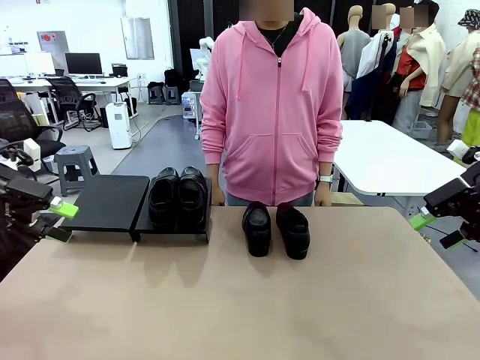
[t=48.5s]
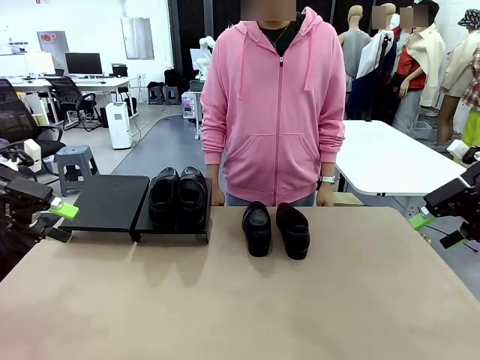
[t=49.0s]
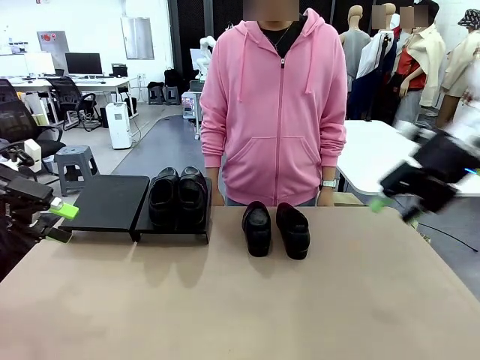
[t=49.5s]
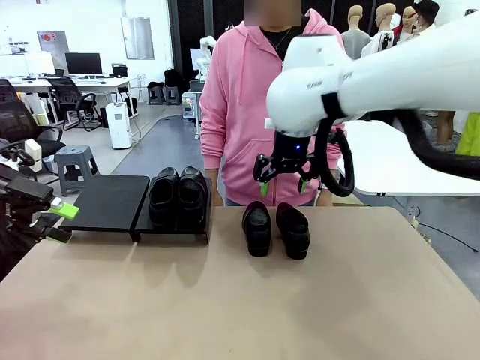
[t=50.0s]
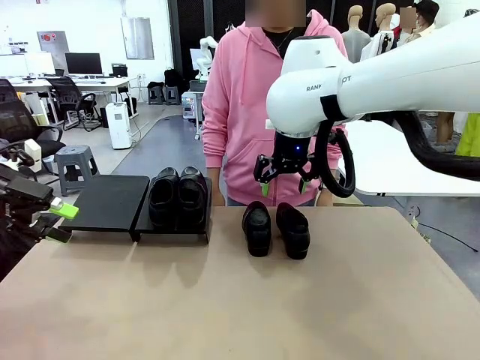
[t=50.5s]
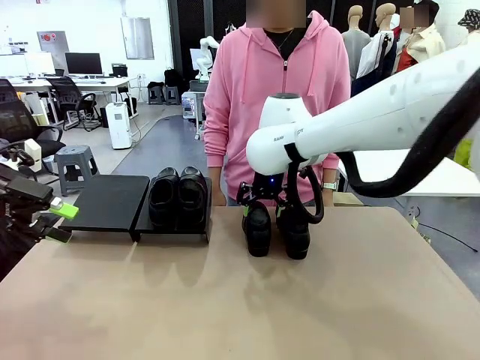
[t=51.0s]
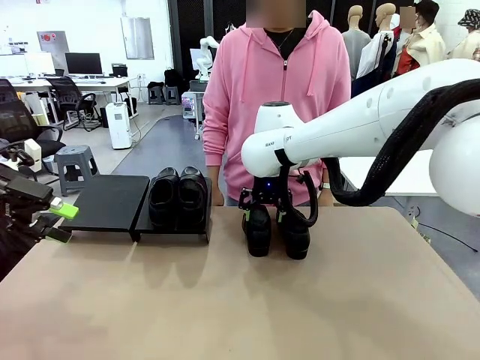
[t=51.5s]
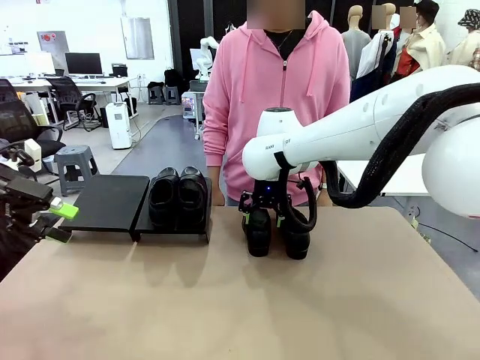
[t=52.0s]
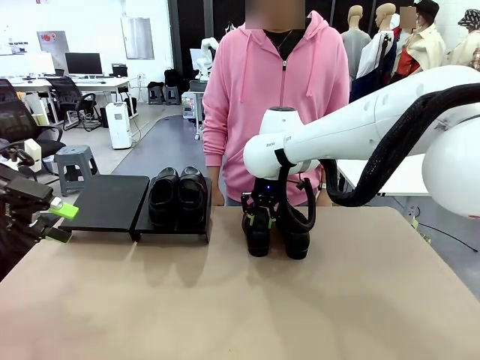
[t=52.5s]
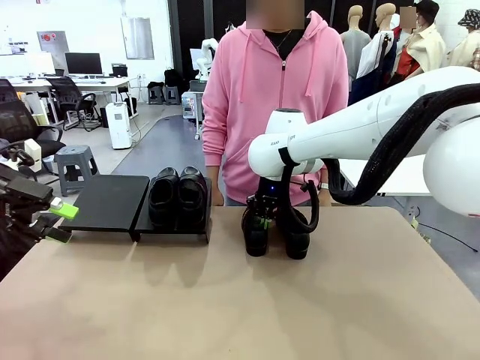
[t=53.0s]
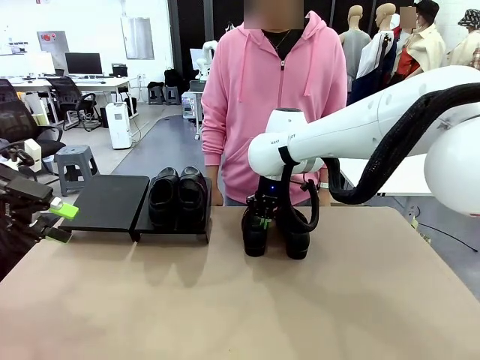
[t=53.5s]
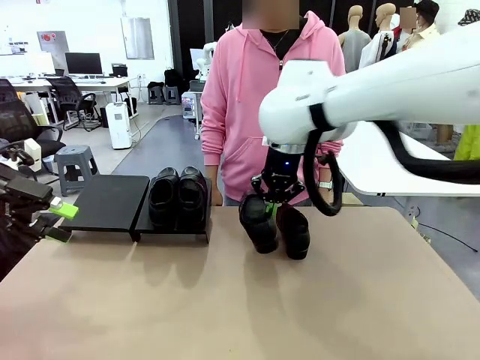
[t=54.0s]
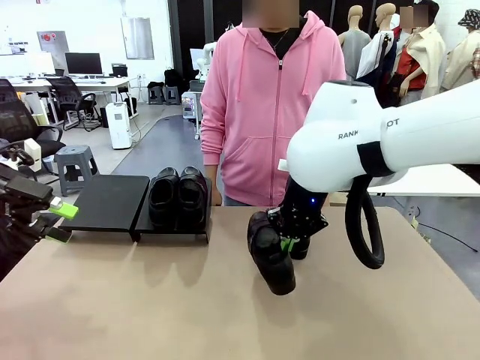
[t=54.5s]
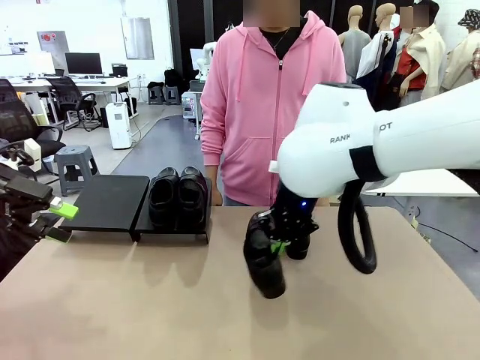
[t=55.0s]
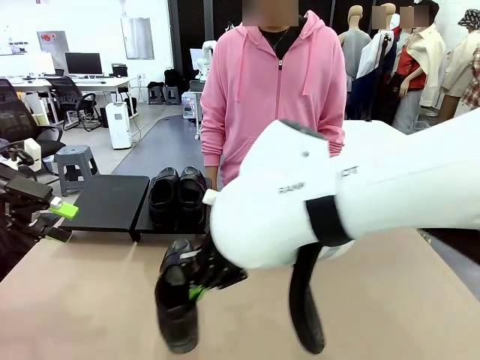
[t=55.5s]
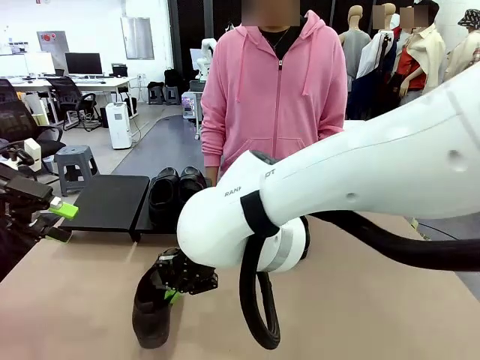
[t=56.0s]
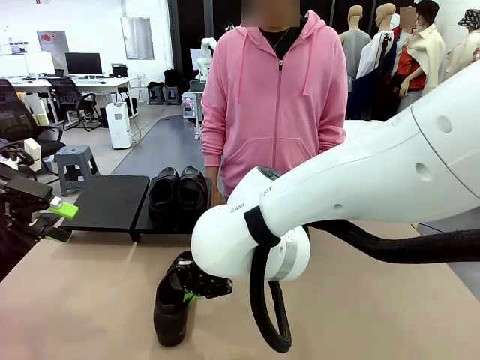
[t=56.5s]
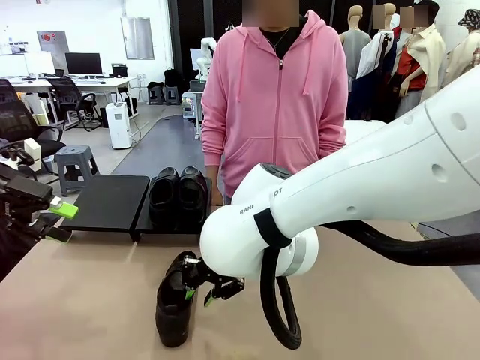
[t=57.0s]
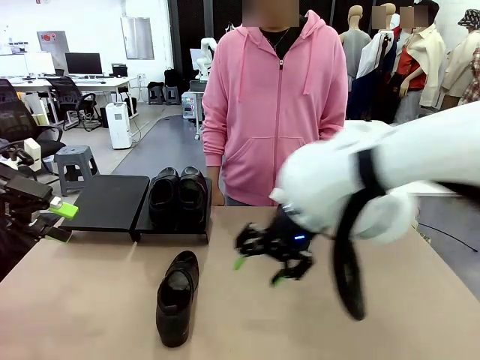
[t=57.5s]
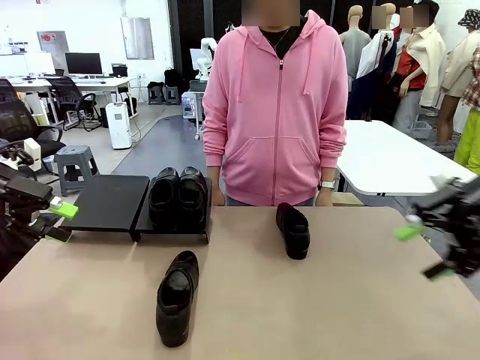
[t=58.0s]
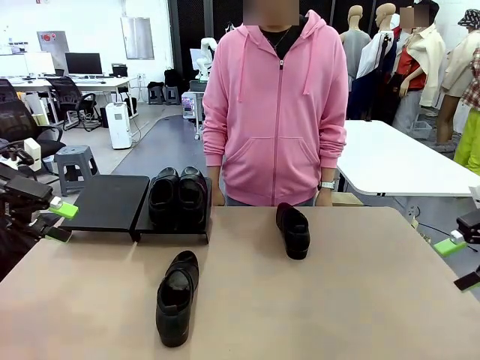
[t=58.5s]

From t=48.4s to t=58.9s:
Task: Organize the shoes by placing them on the stand.
Robot: Pick up one Shoe and place it in the middle of the table.

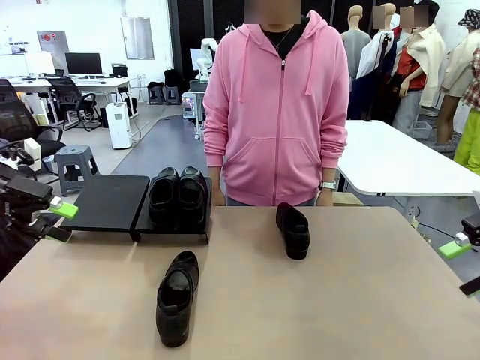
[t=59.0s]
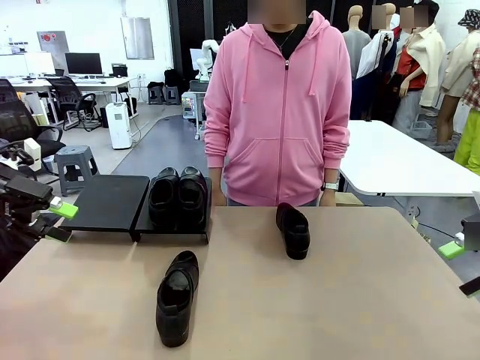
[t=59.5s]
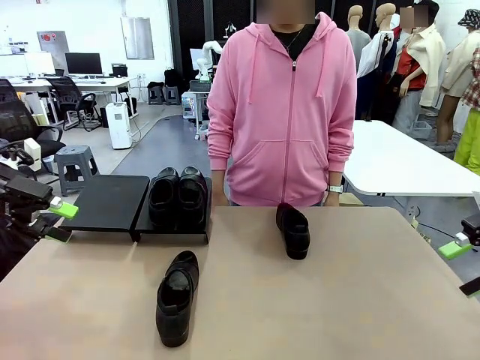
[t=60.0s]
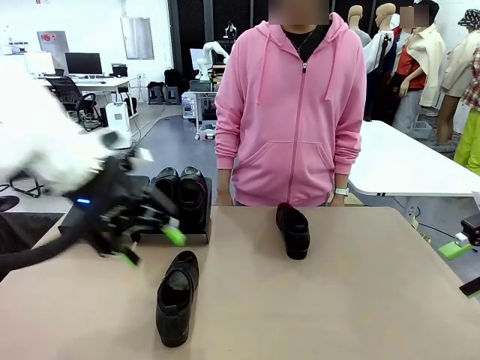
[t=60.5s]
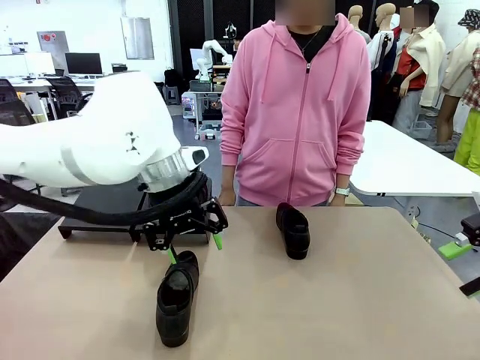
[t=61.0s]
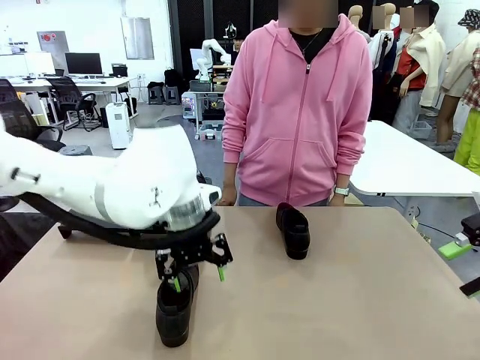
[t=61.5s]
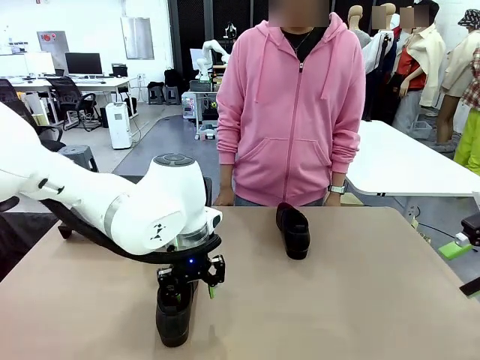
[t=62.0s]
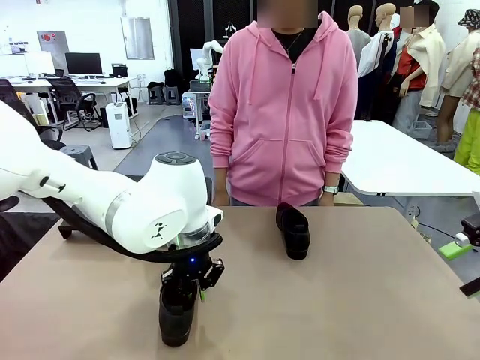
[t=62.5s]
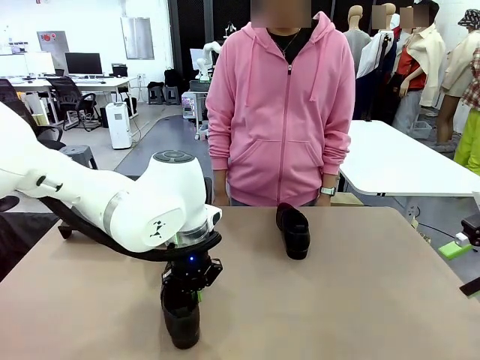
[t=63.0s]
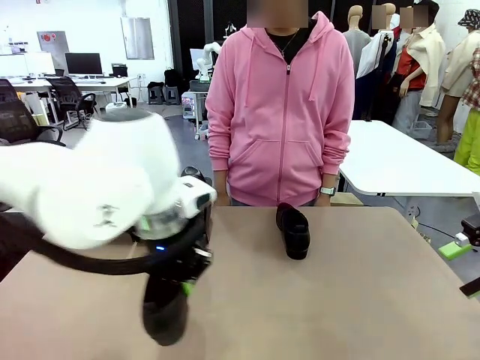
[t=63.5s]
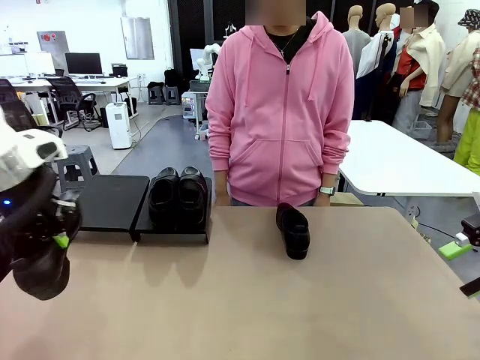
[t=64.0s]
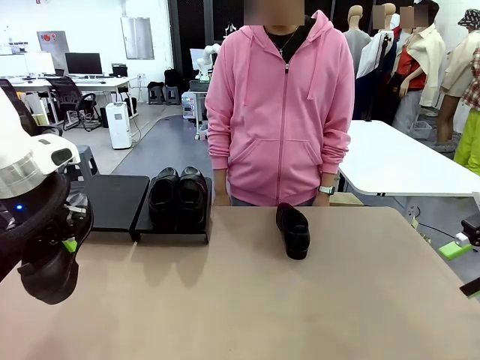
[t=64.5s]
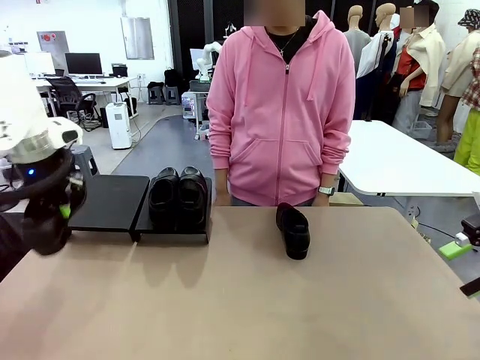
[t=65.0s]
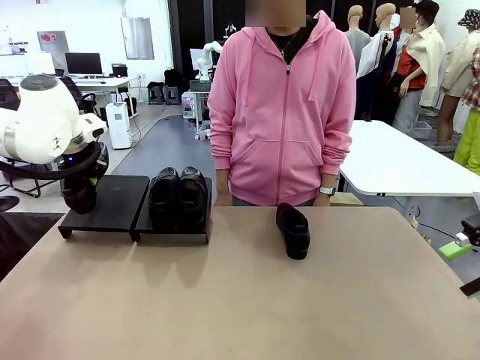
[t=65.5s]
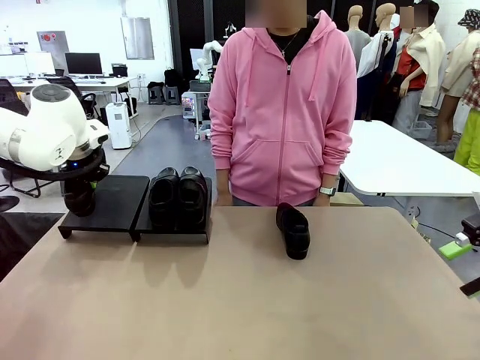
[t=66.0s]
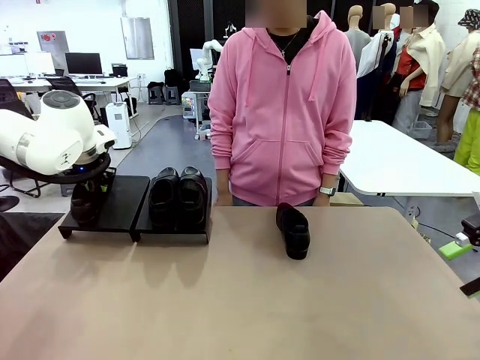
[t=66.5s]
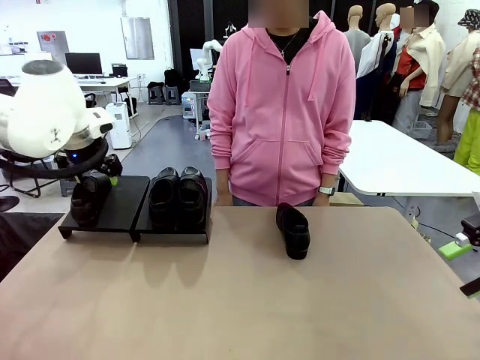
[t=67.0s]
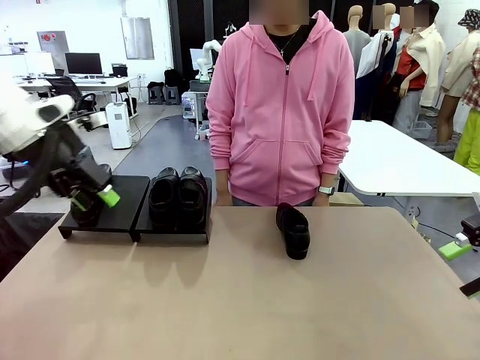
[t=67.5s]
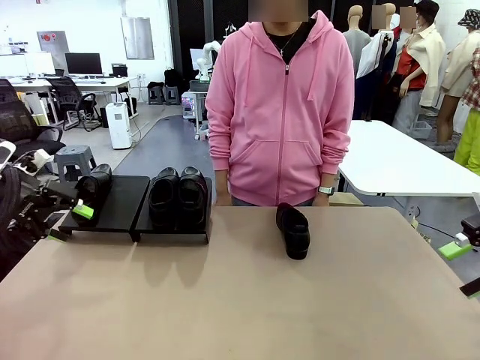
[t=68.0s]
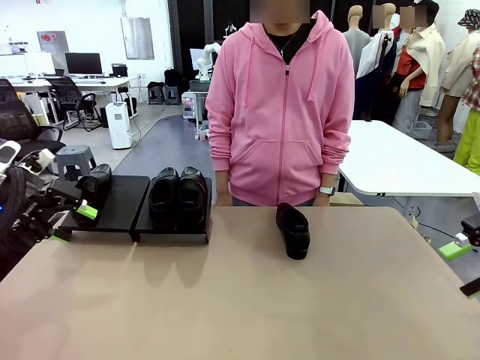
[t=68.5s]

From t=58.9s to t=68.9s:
Robot: Place the Shoe from the middle of the table onto the Shoes Stand.

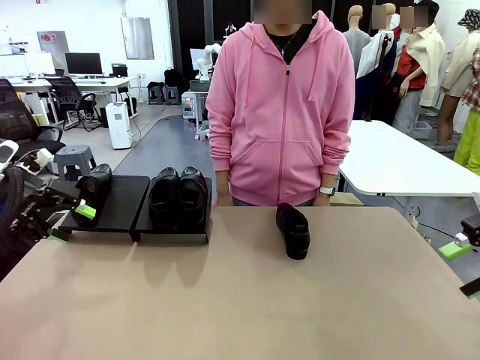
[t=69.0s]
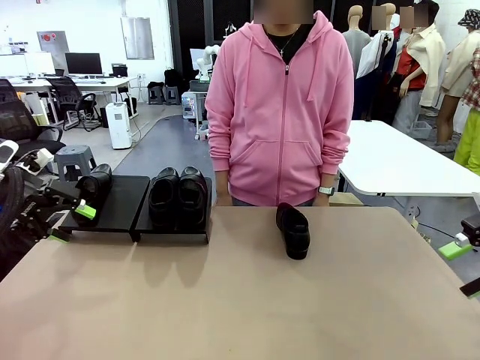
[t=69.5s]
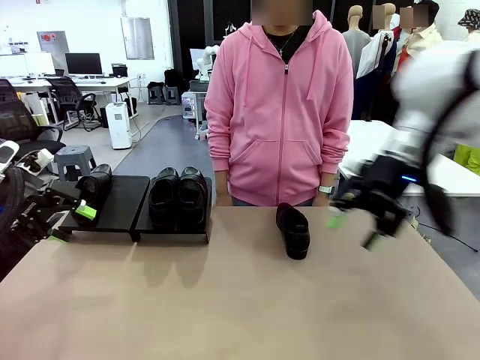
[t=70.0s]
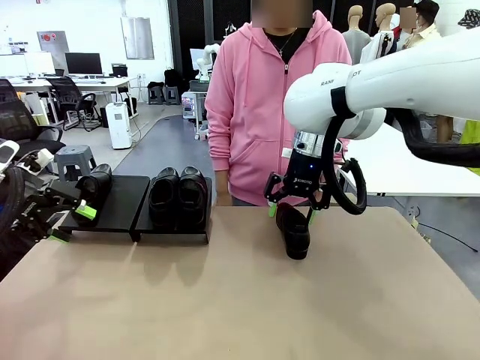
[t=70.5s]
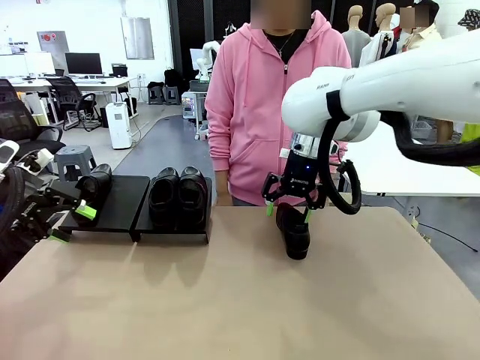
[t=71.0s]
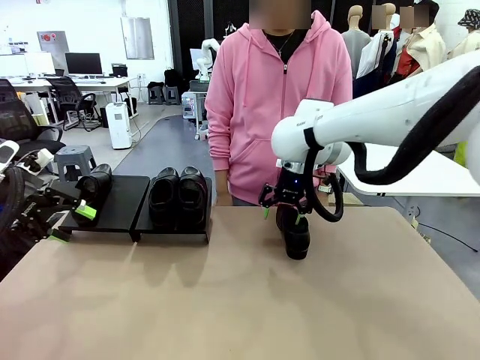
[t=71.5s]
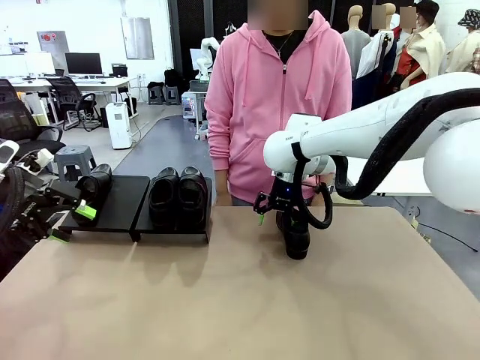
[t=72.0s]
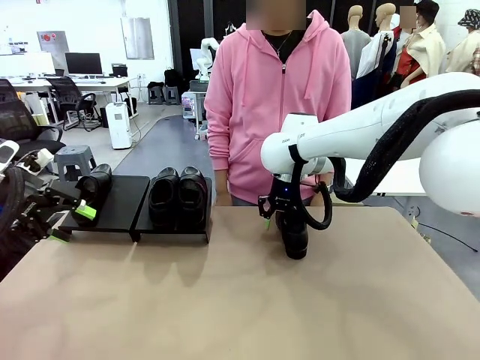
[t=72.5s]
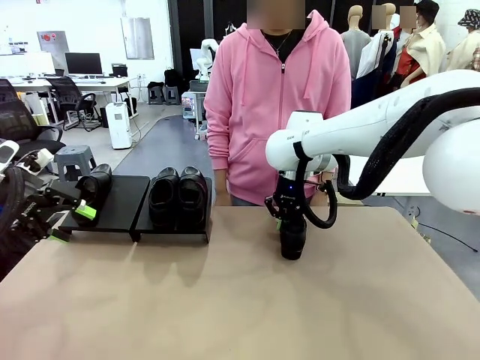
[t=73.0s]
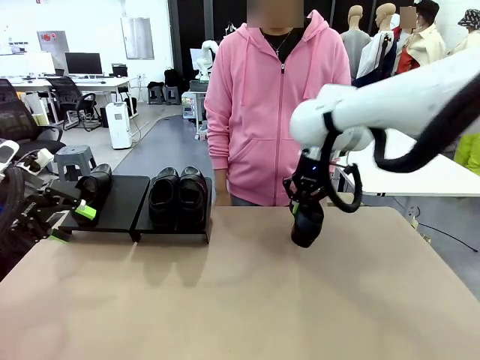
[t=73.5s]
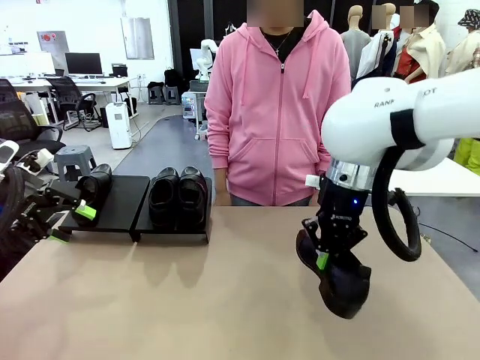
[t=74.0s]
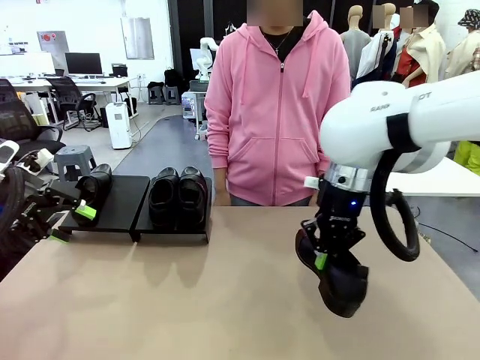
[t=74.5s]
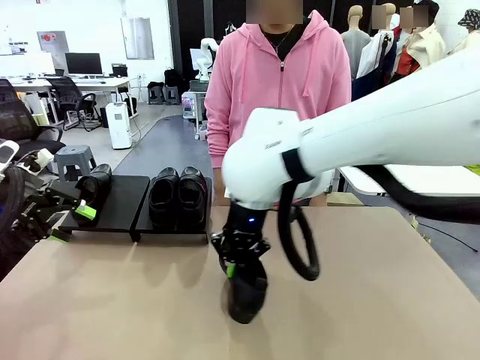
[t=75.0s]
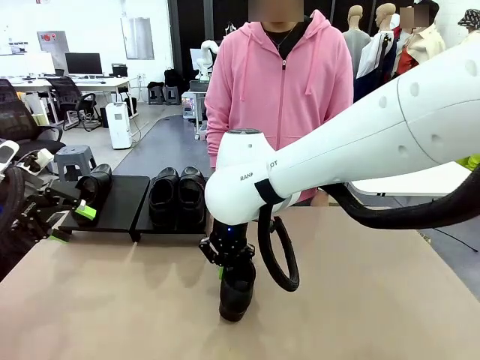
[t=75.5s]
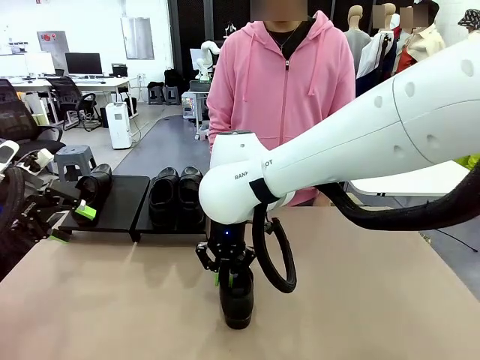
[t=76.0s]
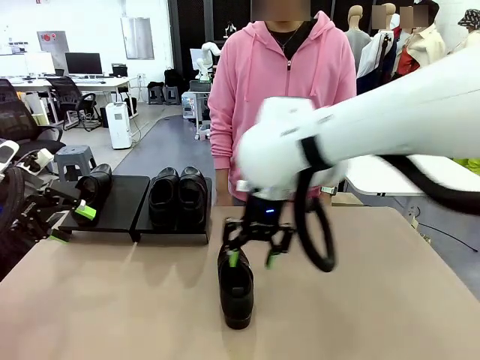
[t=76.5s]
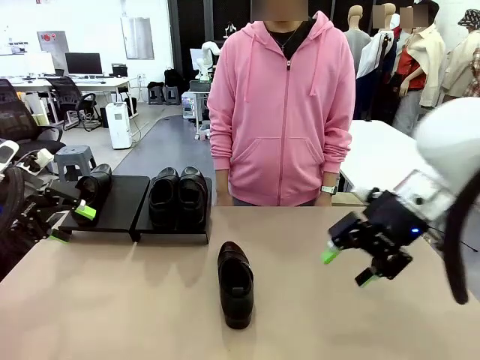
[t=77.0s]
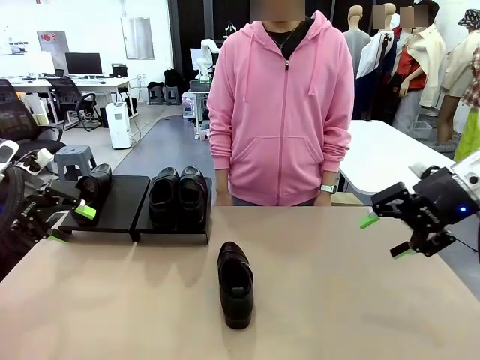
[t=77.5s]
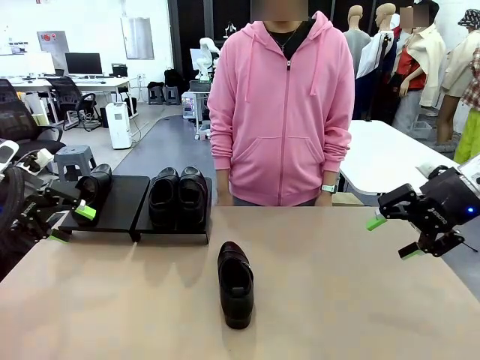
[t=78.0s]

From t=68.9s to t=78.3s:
Robot: Pick up one Shoe and place it in the middle of the table.
